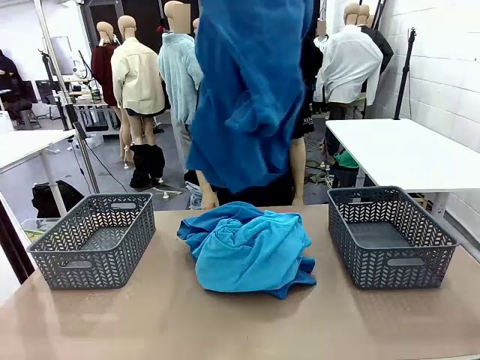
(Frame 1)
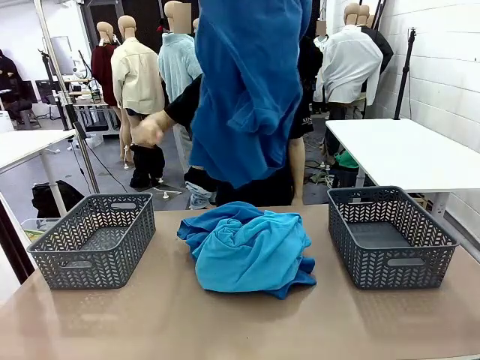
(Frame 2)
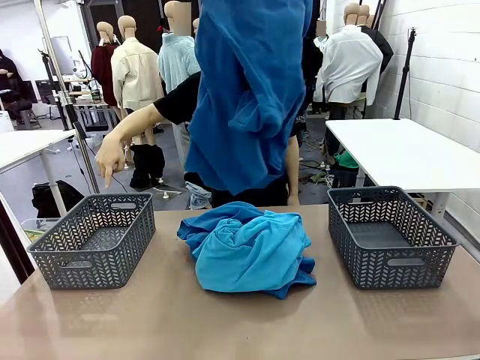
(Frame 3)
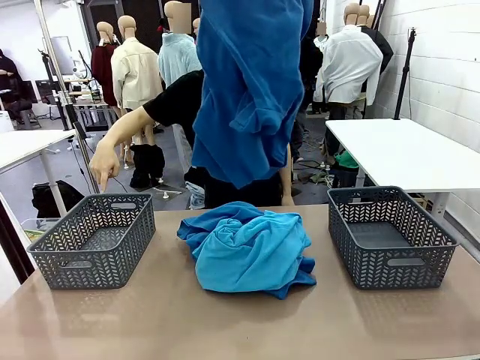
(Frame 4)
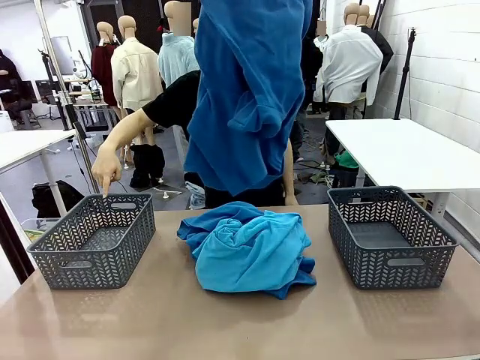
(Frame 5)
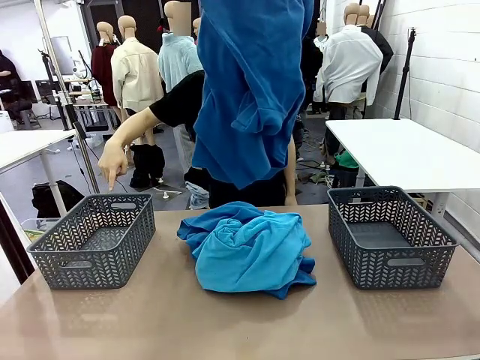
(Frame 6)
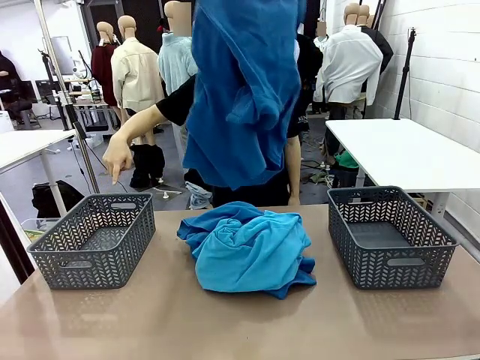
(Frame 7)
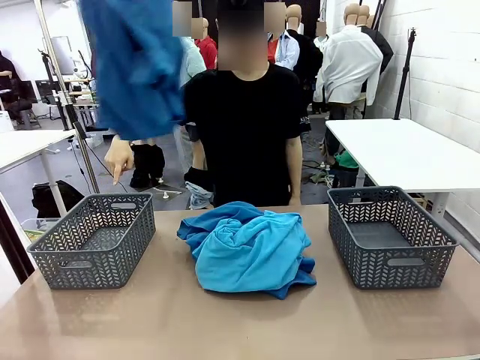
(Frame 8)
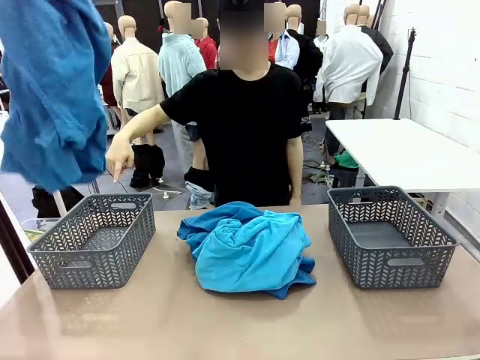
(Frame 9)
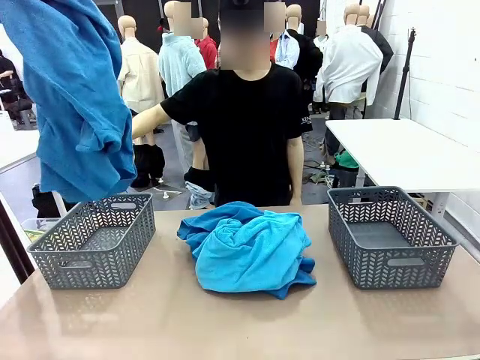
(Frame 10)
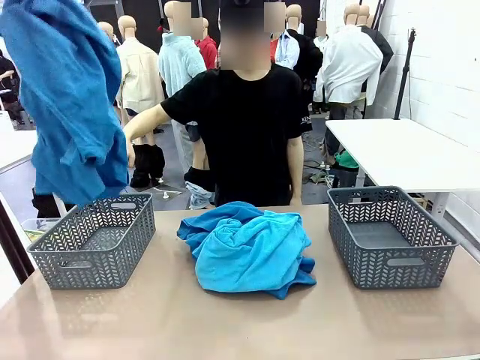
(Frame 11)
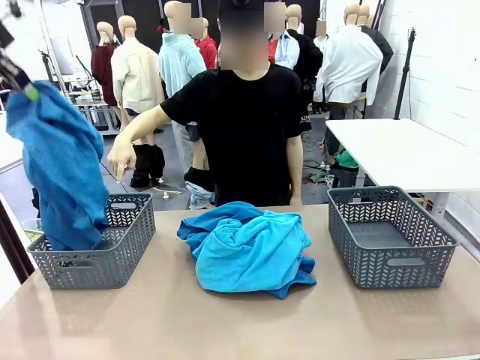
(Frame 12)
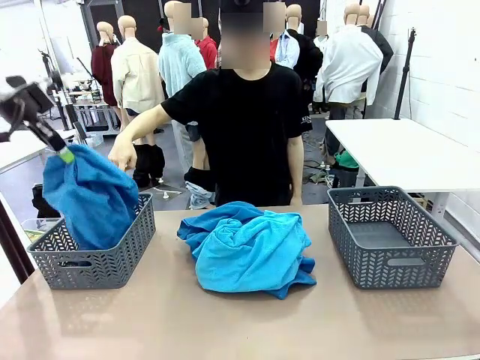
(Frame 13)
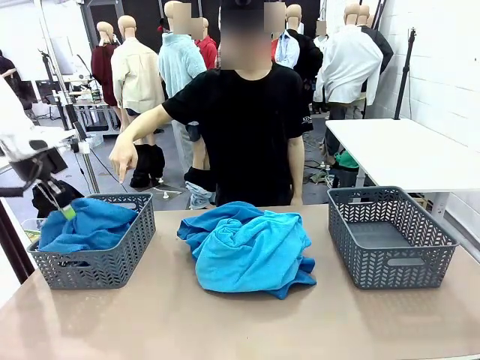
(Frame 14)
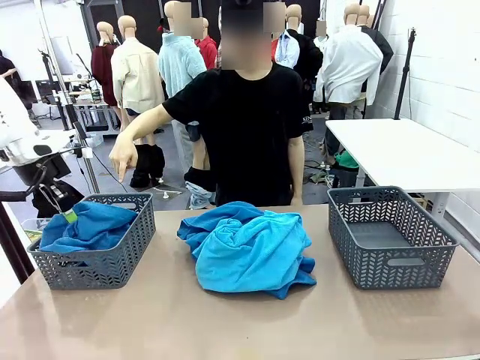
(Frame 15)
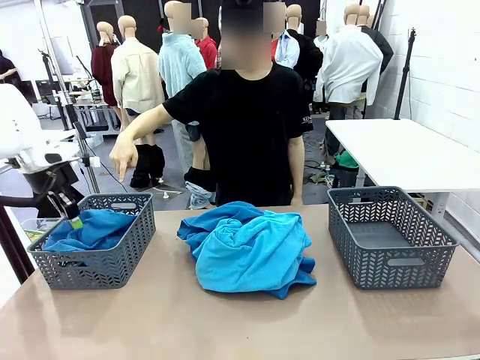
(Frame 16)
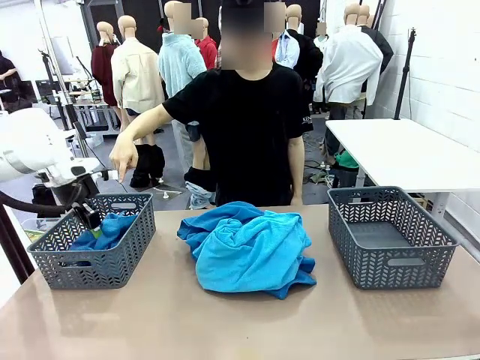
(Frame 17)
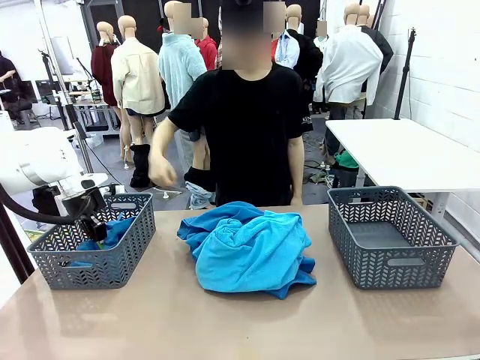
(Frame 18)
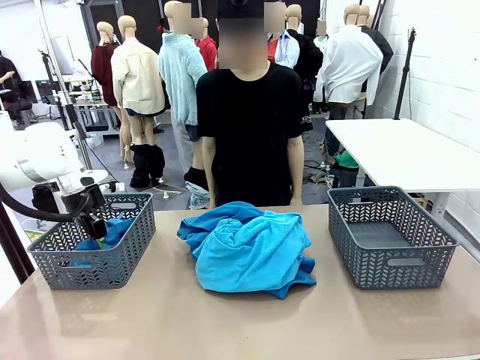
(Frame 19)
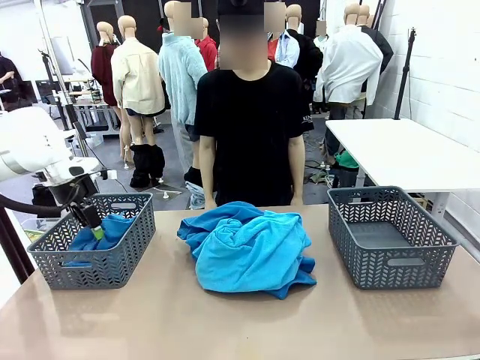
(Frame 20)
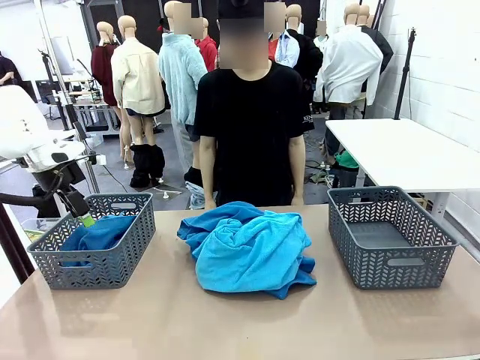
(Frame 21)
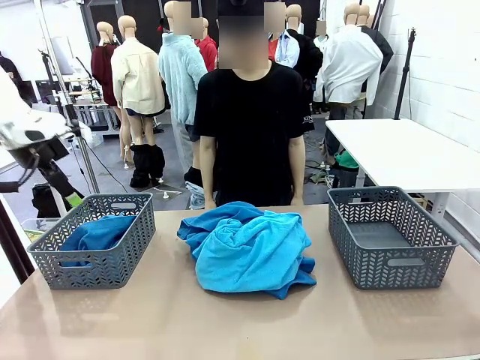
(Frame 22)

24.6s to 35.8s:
Task: Sort the tops and bottoms.
Robot: Sort the clothes according to human instructions.

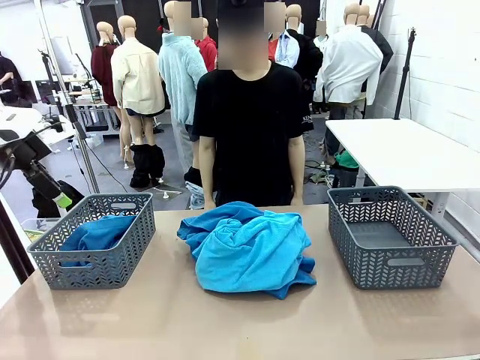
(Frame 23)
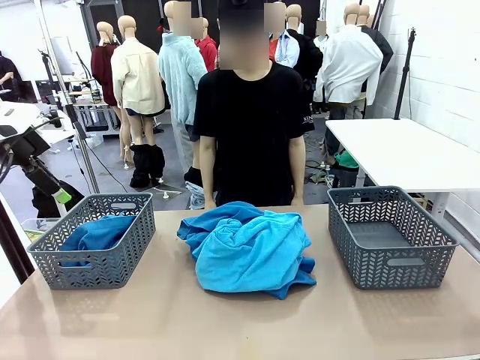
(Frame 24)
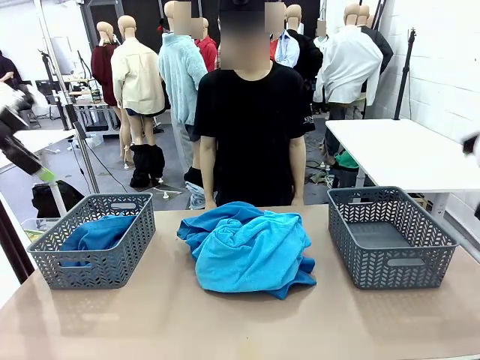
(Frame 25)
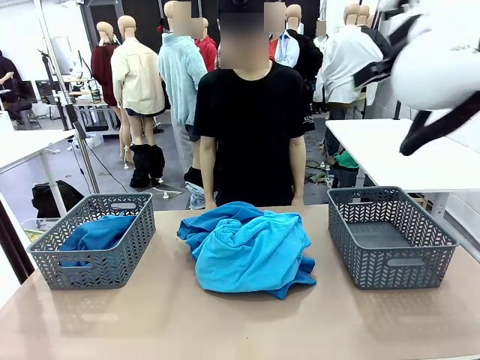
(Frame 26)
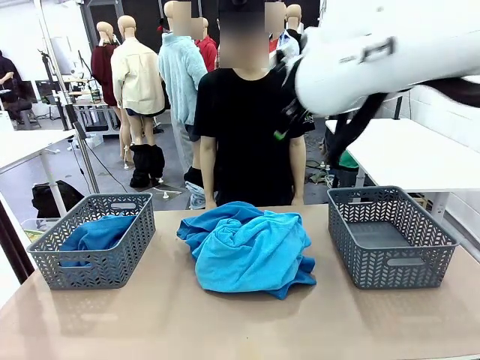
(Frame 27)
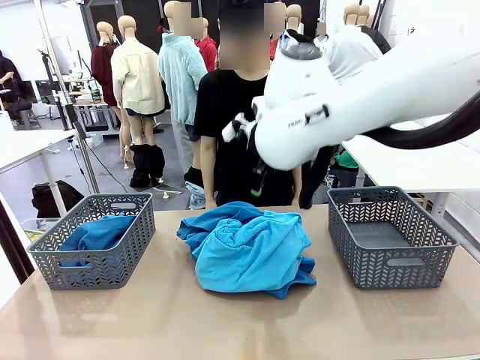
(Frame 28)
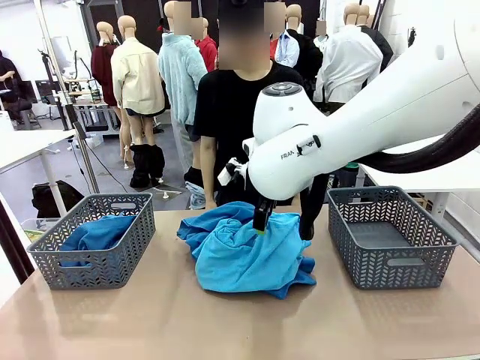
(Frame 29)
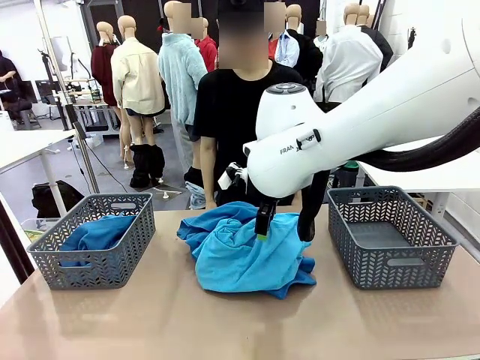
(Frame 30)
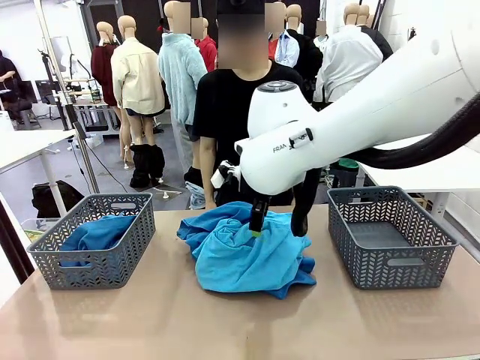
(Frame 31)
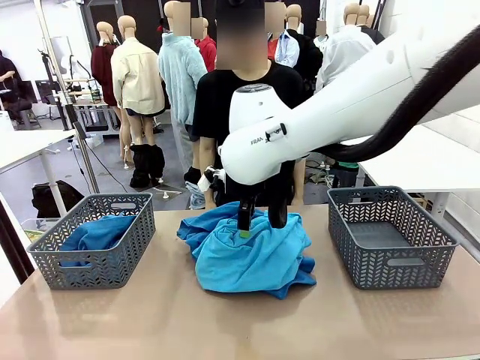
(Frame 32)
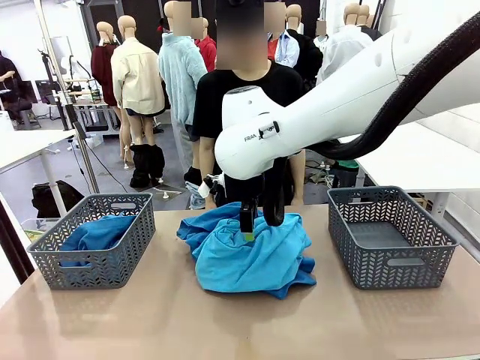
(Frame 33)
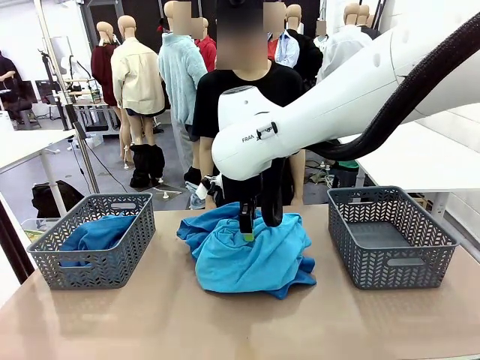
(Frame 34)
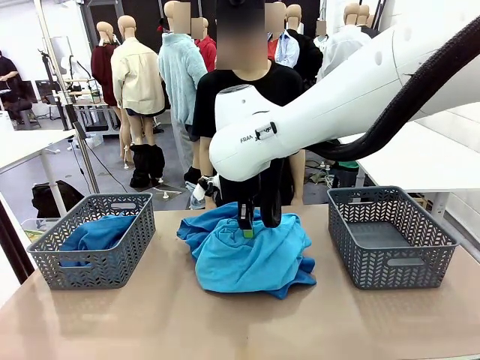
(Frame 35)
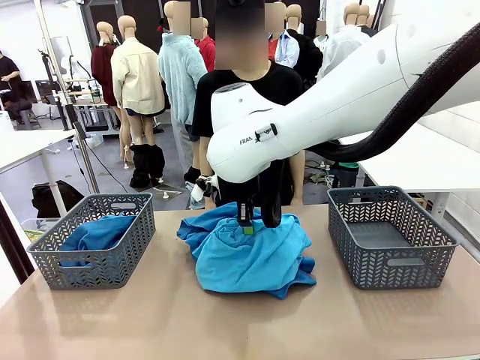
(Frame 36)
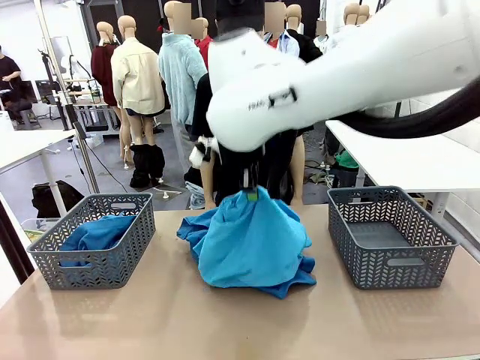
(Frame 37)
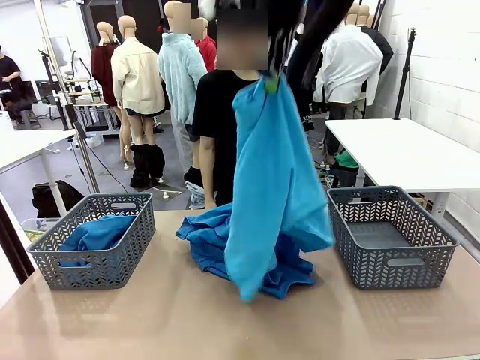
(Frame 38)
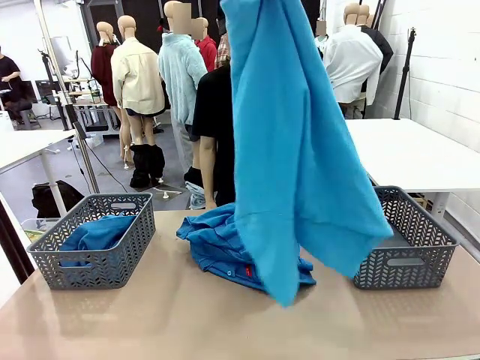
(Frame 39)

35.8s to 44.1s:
Robot: Lift clothes from the center of the table with your right hand.

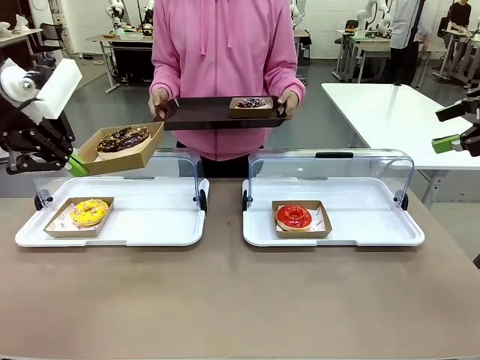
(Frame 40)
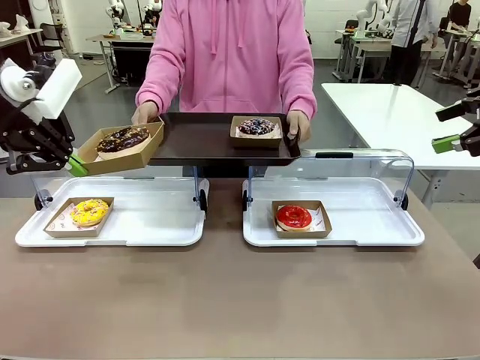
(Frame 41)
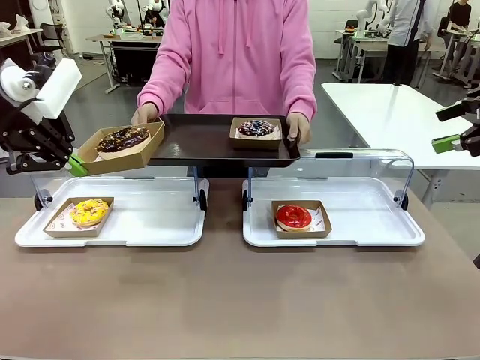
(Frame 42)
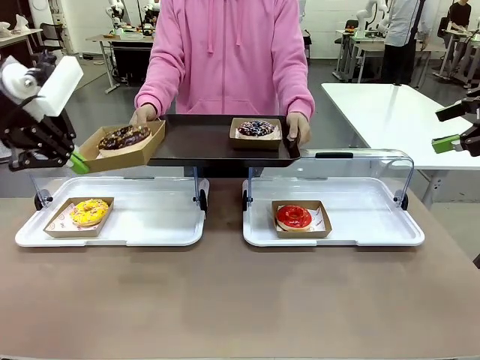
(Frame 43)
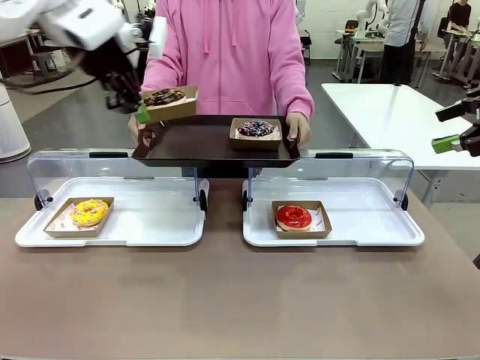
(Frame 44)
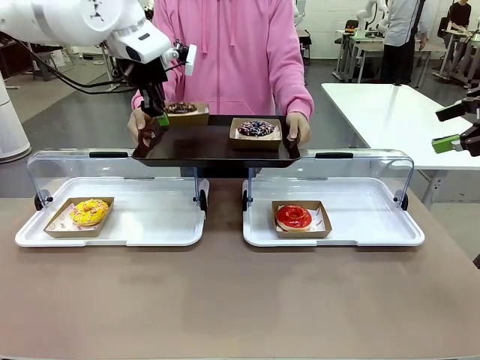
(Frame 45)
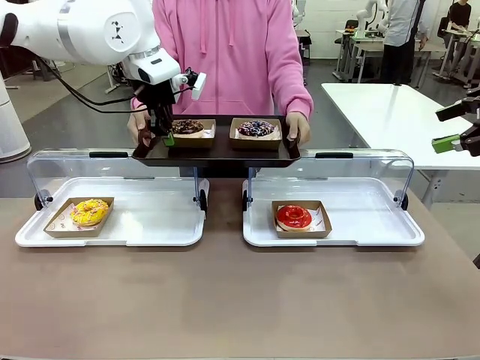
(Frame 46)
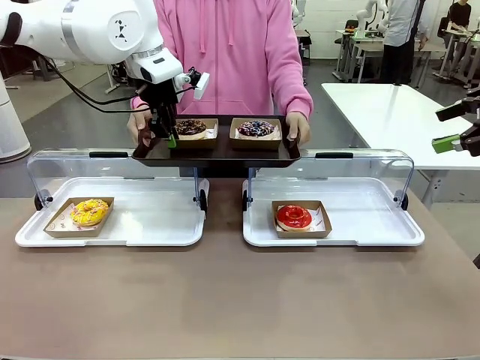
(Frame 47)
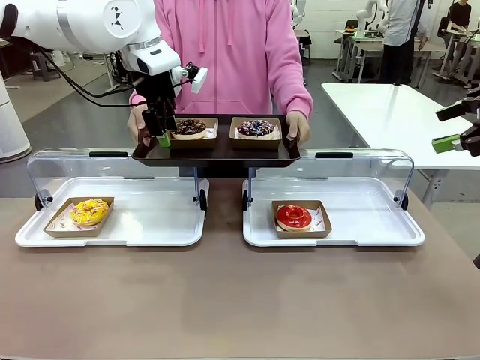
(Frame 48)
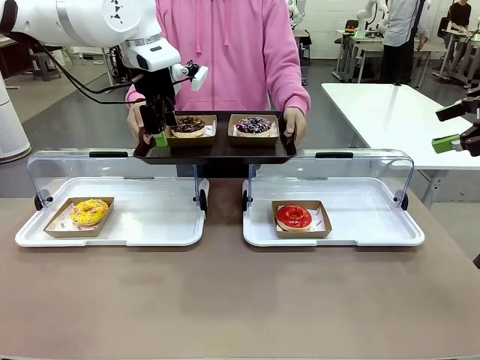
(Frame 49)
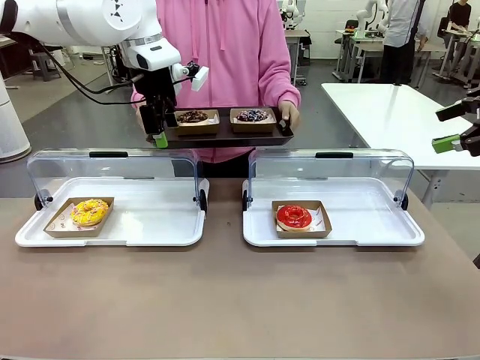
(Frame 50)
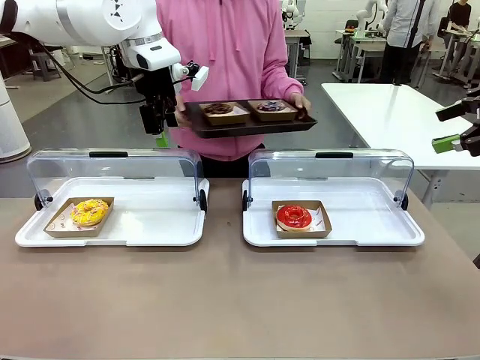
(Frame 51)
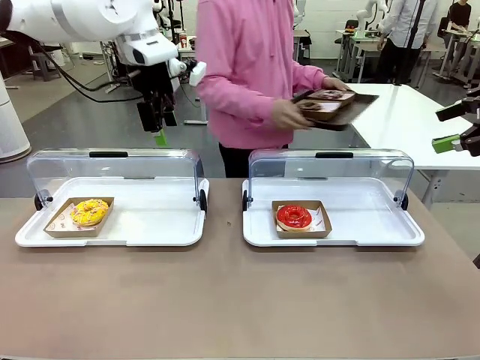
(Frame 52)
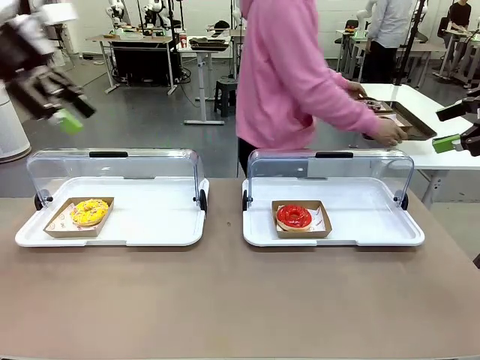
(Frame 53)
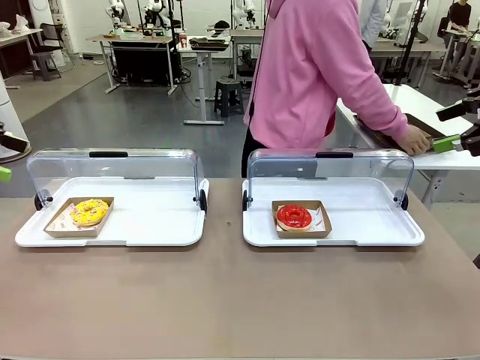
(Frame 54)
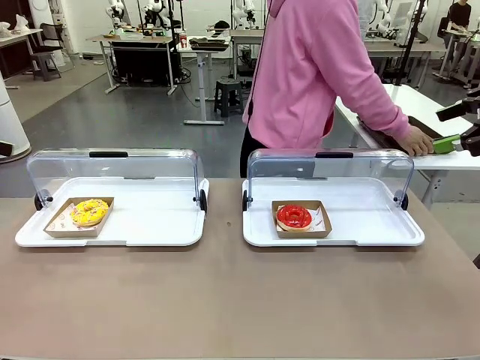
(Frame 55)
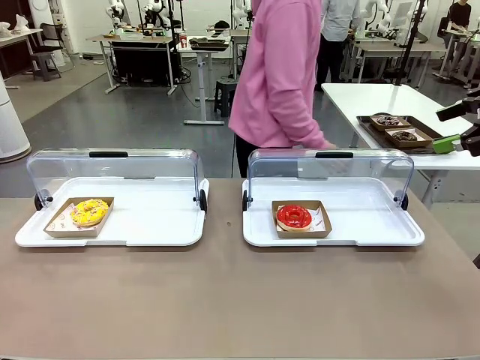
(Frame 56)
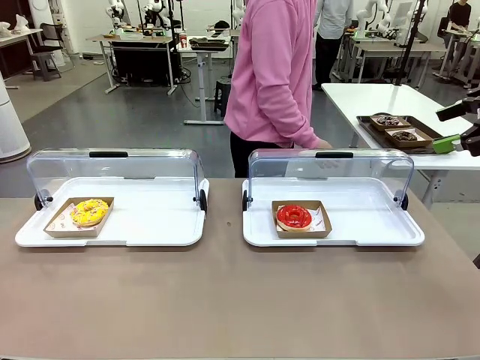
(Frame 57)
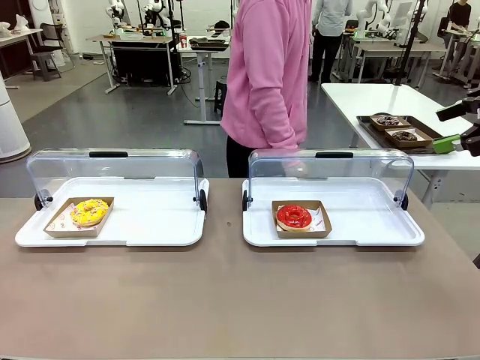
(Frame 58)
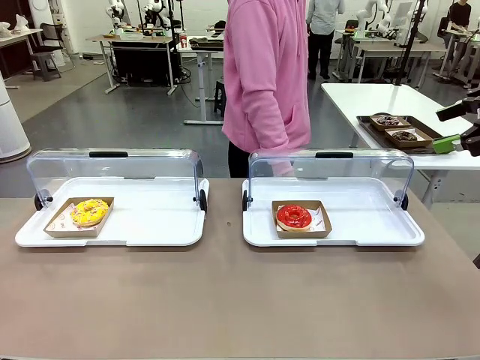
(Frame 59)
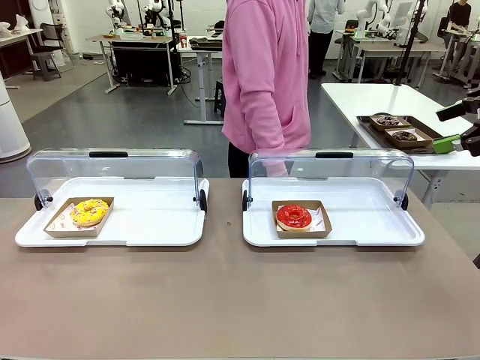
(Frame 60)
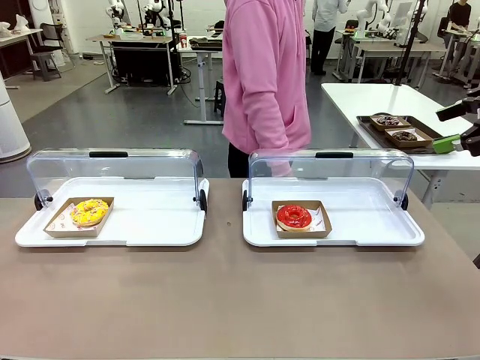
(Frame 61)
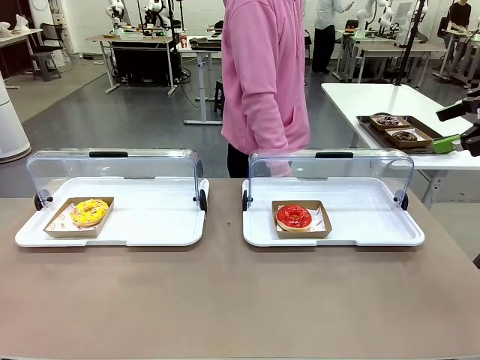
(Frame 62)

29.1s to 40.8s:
Task: Provide the desired donut to the person.
Robot: Place the picked Paper togo box onto the Handle tray extended by the person.
Person: Place the tray in the middle of the human table.
